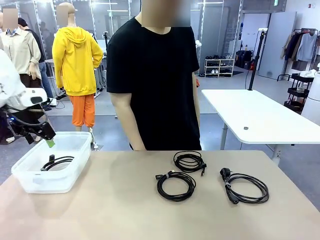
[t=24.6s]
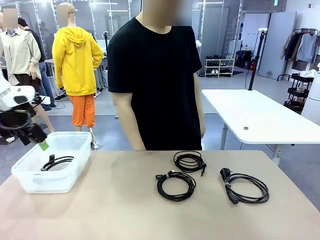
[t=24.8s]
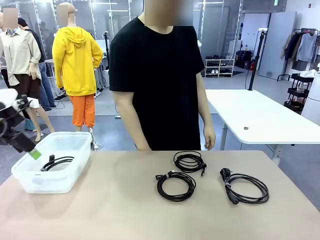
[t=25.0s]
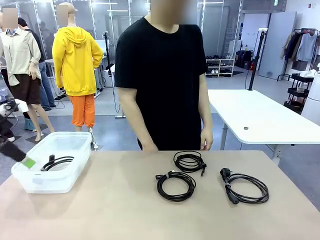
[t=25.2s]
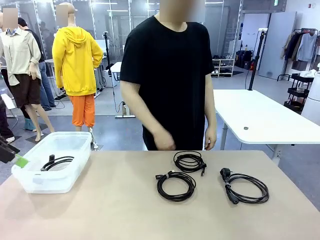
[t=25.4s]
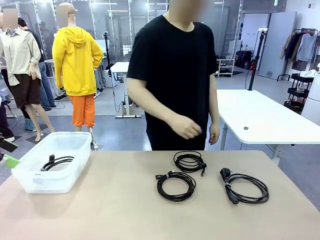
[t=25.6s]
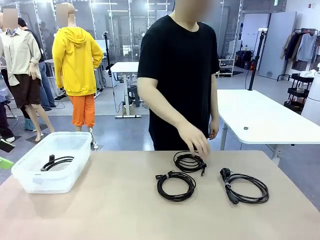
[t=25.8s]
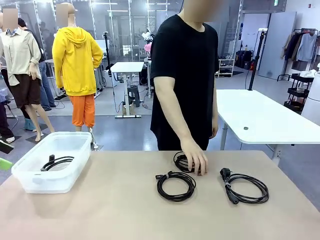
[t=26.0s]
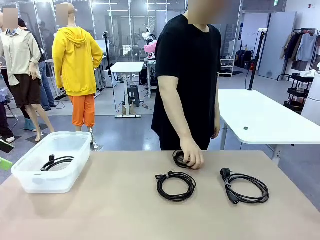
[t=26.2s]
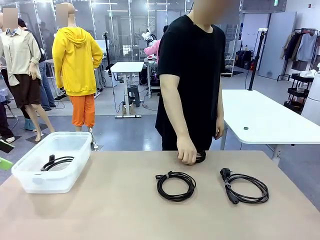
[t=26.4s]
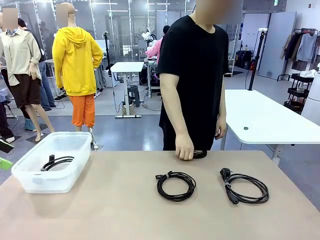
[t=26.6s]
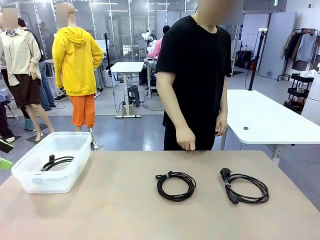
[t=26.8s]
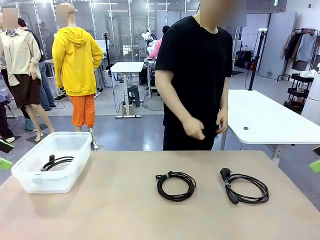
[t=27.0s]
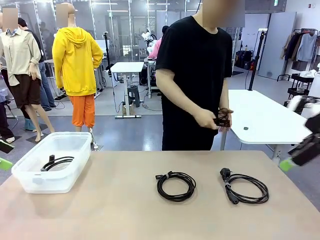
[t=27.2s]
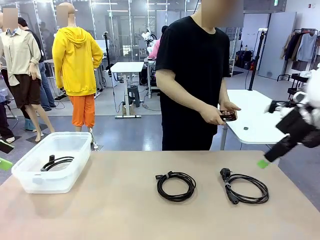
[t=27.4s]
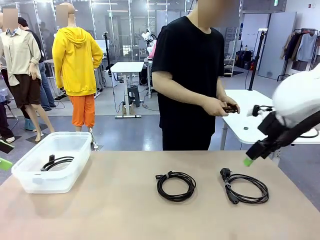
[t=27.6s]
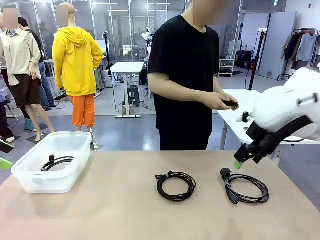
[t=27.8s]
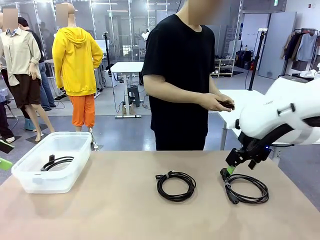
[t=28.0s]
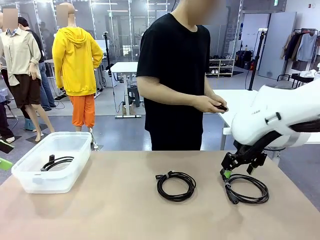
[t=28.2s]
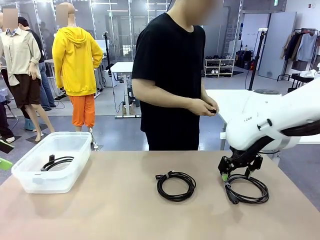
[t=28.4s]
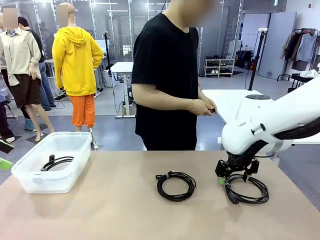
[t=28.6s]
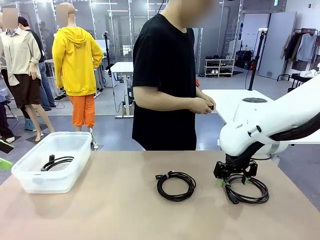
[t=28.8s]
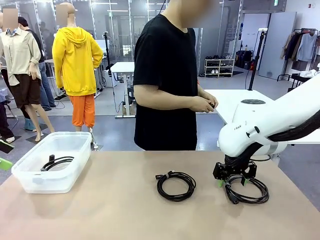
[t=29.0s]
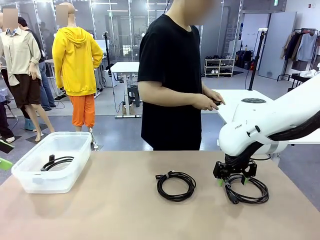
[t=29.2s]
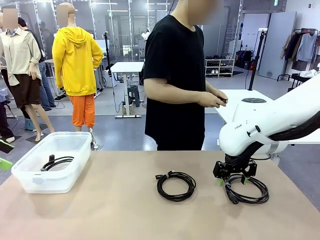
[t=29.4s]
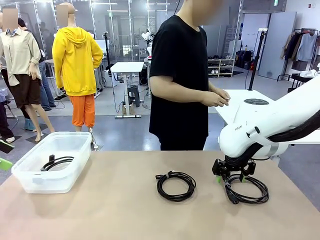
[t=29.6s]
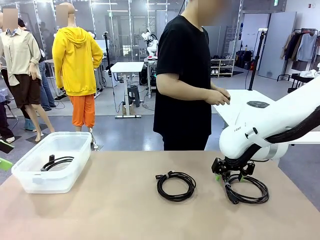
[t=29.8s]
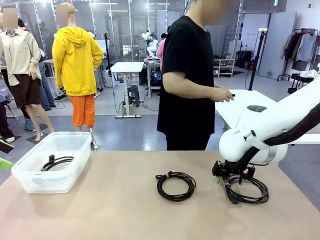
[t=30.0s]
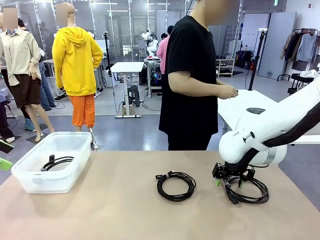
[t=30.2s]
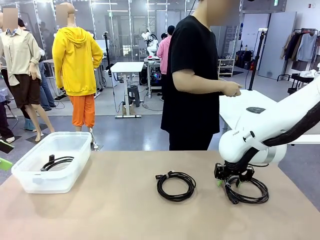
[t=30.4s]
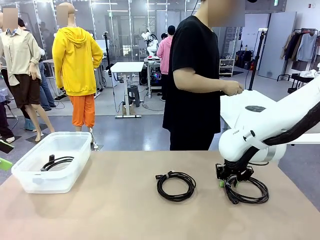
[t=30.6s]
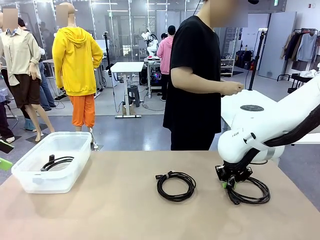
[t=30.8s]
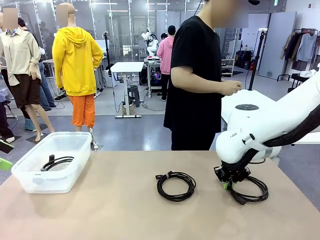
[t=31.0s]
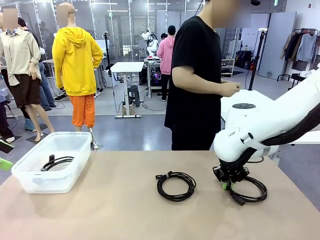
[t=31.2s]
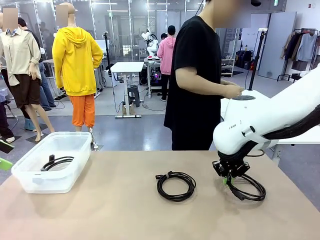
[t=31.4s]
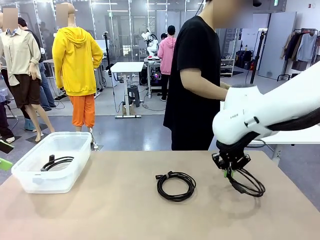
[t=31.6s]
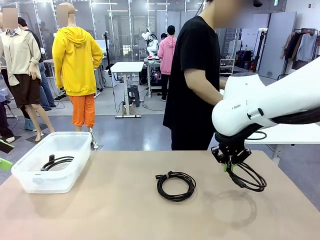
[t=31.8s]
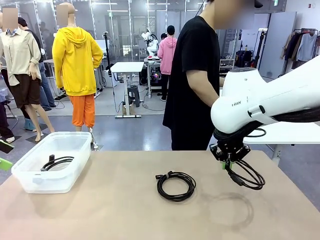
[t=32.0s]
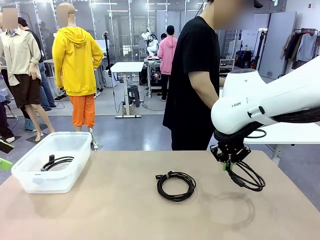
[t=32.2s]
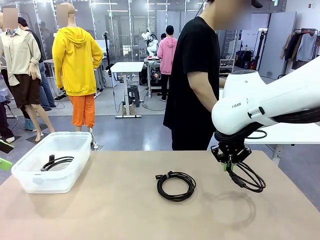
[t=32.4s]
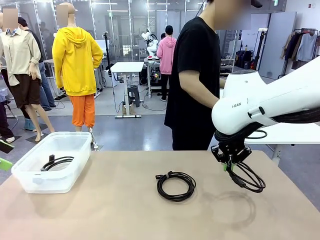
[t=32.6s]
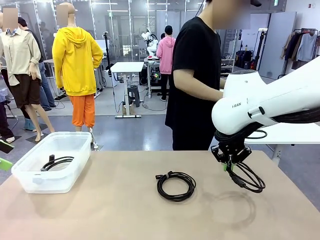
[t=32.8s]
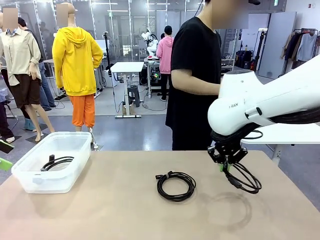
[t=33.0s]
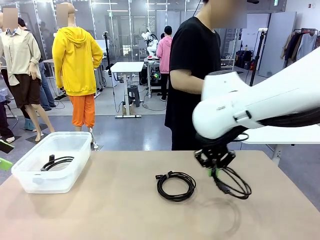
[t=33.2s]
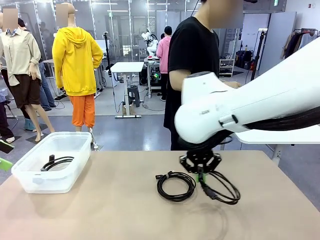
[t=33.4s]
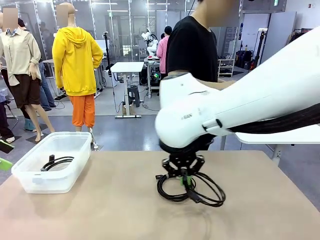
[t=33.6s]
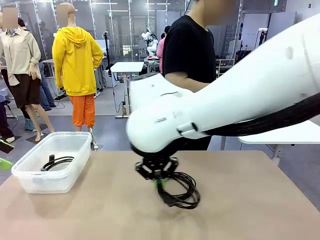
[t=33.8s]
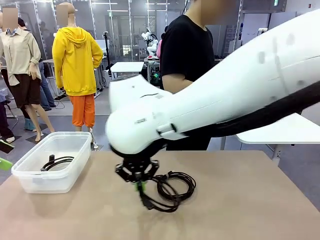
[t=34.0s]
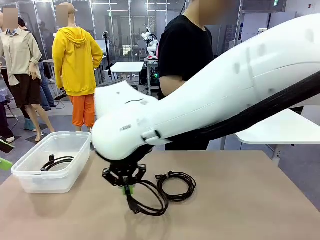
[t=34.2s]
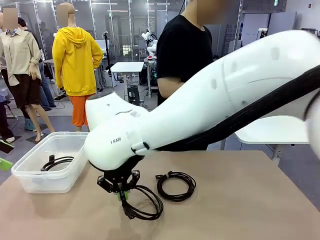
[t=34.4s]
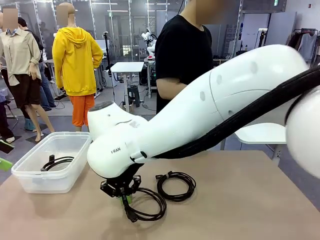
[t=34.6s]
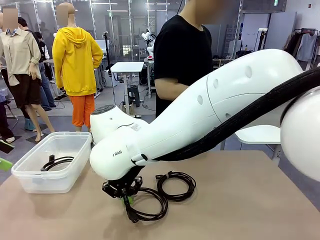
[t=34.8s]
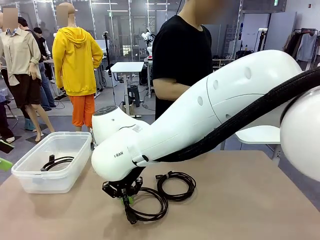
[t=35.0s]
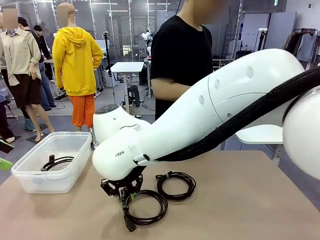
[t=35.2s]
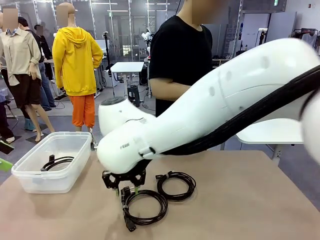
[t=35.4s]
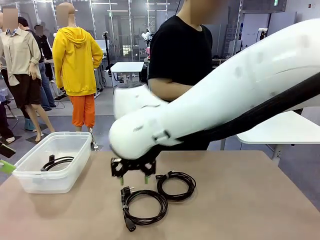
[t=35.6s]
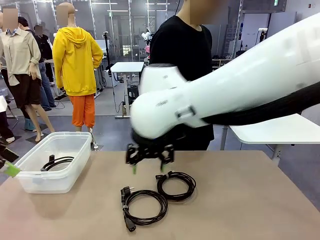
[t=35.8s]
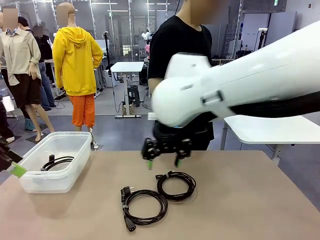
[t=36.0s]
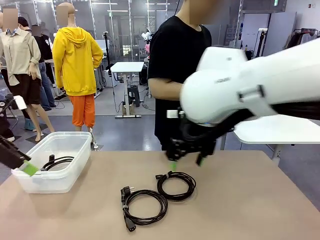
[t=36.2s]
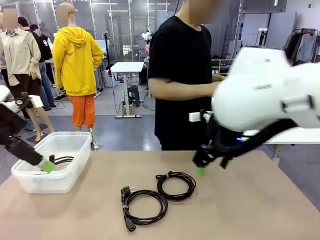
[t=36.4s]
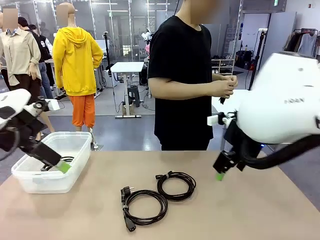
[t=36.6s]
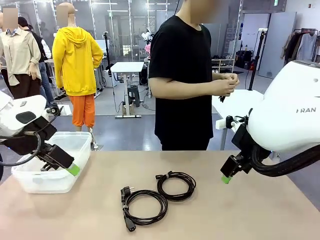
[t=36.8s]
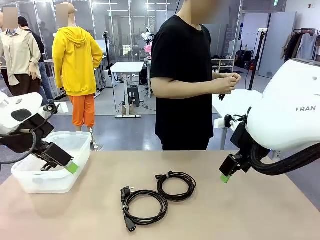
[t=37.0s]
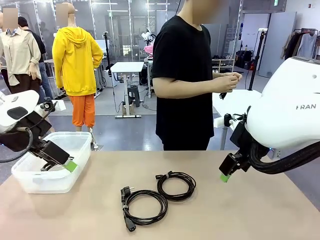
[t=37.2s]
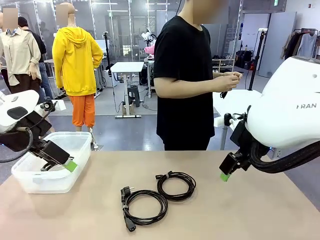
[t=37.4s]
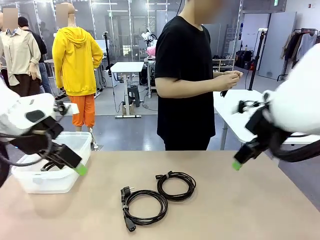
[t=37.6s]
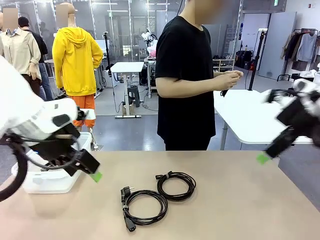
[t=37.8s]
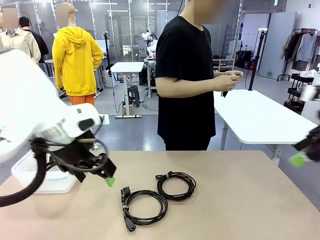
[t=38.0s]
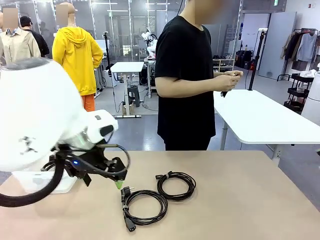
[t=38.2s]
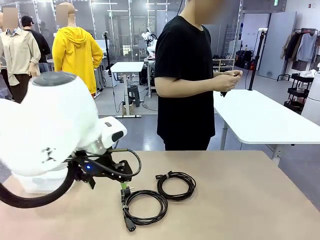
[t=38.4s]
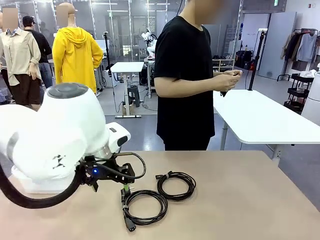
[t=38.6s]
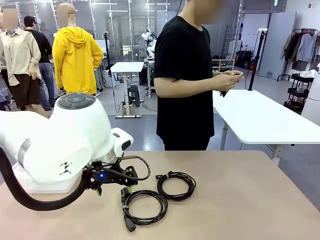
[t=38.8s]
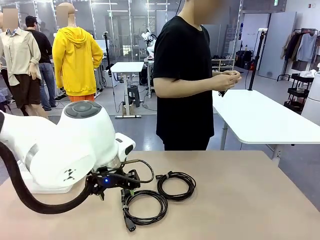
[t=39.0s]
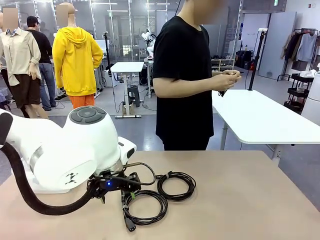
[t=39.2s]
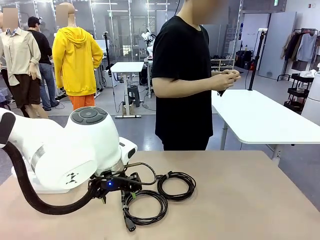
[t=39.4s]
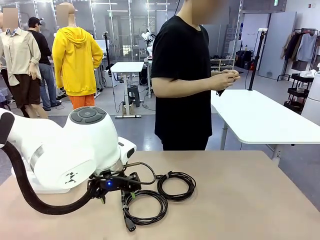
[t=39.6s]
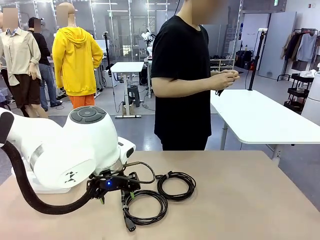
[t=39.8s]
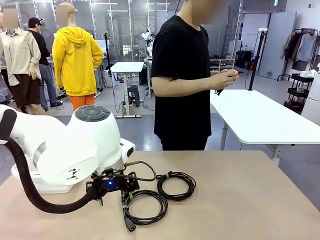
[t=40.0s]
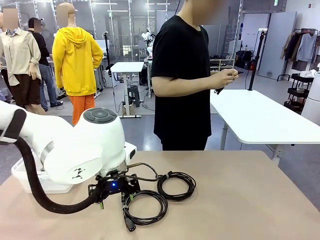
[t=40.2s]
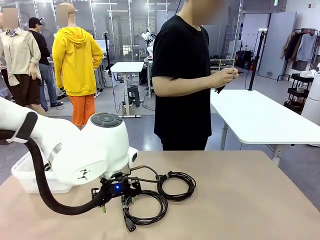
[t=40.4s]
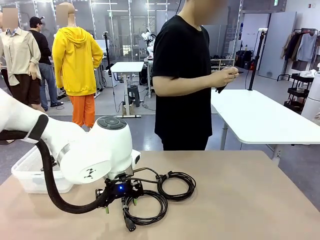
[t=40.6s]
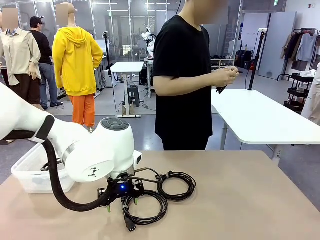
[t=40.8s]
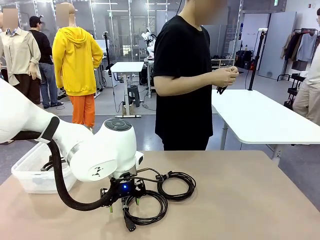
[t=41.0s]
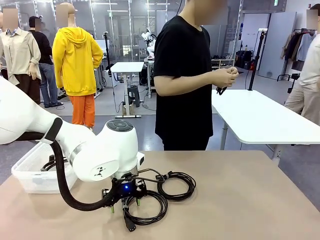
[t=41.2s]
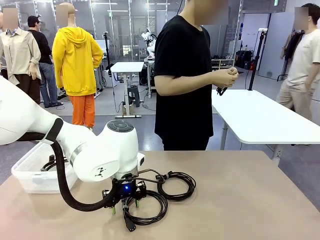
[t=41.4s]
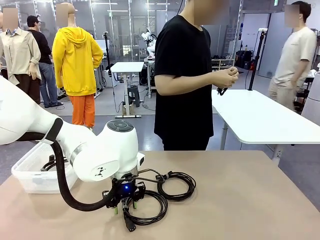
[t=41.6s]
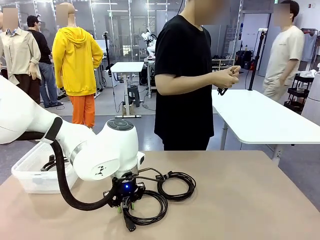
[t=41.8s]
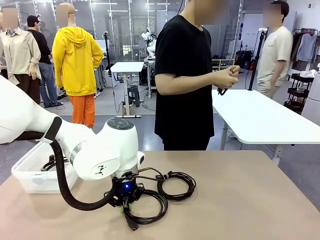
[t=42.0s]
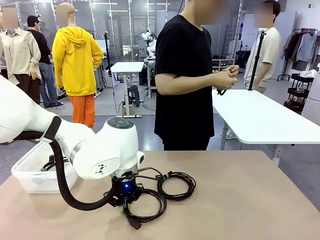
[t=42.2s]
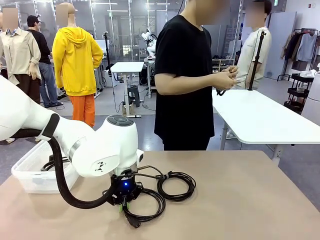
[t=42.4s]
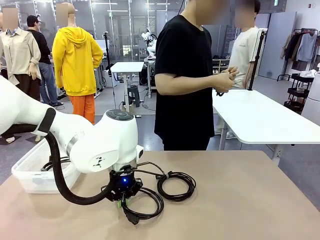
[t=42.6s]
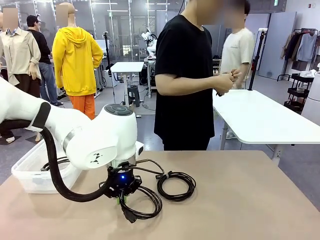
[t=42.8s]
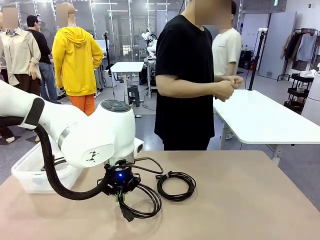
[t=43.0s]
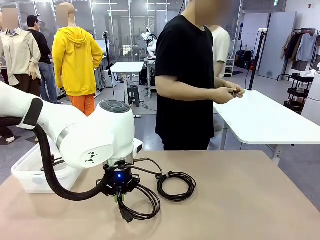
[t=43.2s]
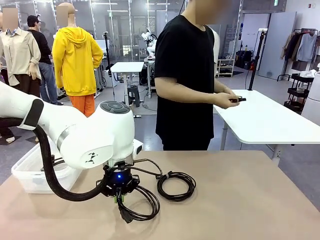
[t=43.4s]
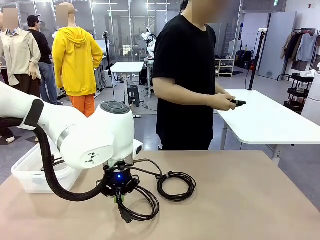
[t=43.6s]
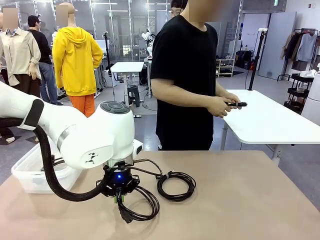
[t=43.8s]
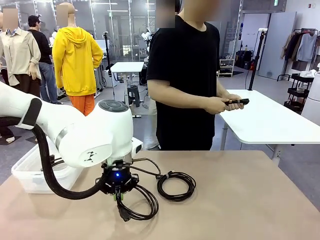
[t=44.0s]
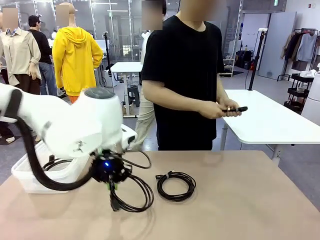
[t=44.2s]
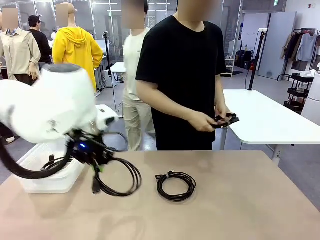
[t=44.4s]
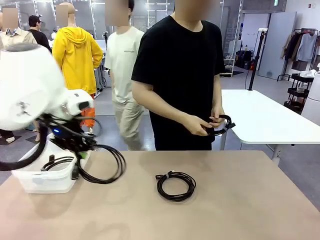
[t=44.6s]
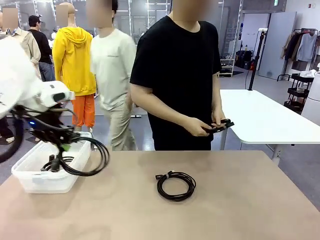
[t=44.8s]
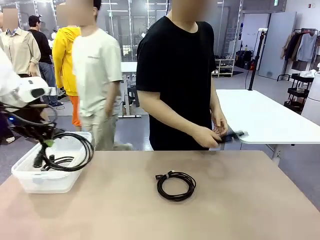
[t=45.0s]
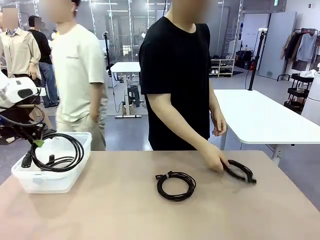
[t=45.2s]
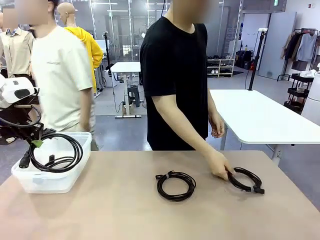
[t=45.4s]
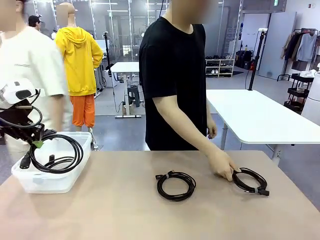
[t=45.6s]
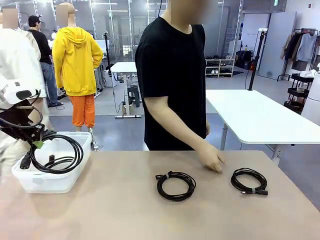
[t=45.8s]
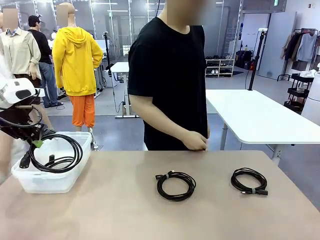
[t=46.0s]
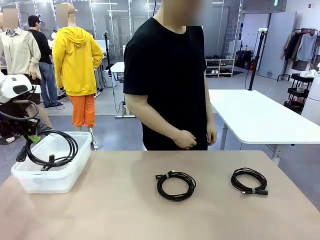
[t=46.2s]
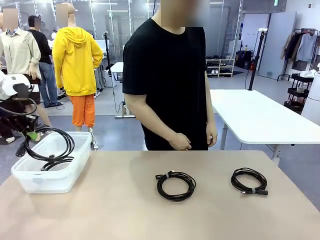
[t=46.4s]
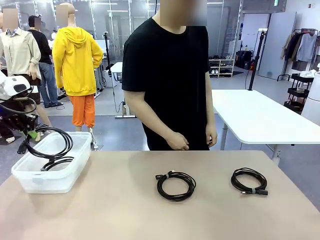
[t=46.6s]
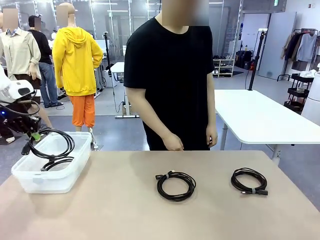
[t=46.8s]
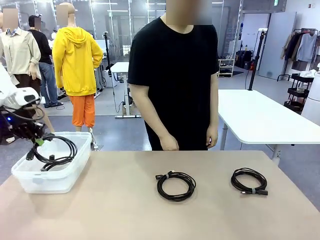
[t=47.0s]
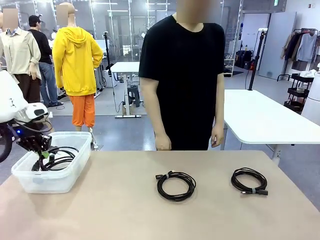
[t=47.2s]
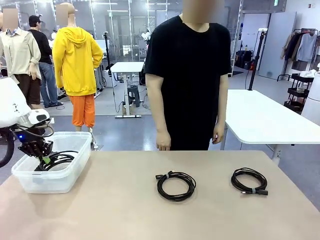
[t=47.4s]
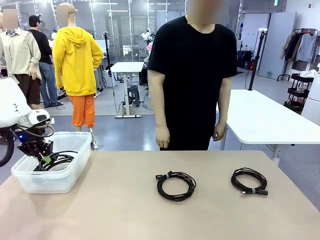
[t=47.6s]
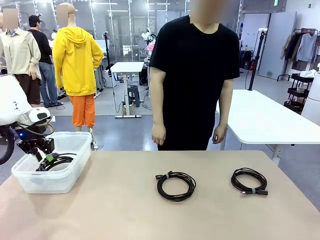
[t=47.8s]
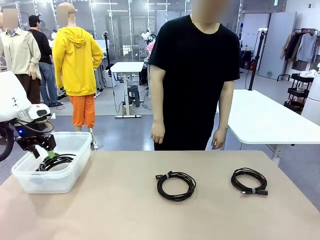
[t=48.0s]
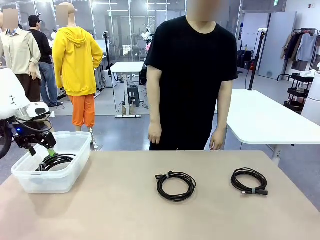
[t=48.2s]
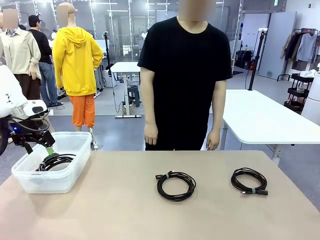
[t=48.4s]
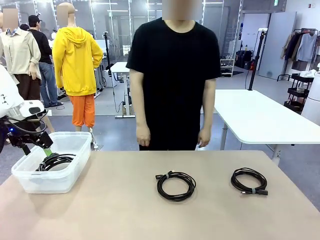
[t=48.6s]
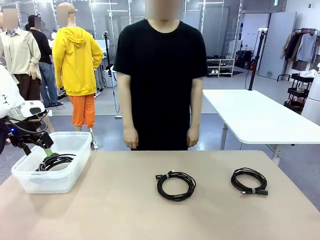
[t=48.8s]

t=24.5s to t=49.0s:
Task: Organize and store the cables.
Robot: Place the Power Cable into the Organizing box.
